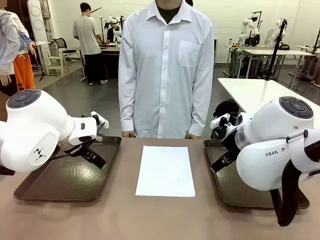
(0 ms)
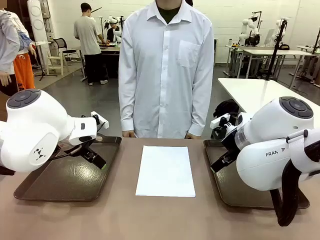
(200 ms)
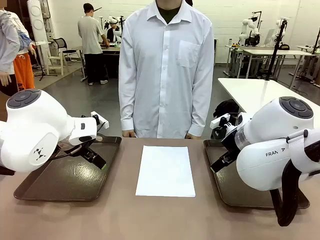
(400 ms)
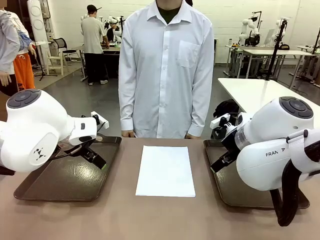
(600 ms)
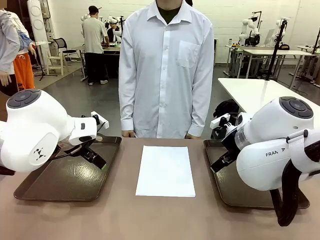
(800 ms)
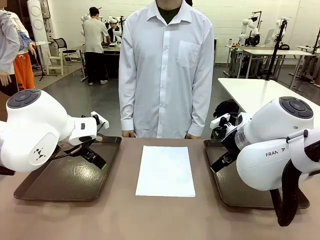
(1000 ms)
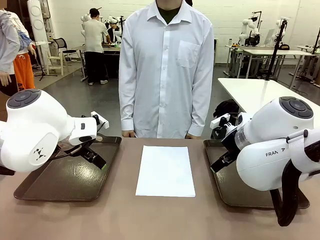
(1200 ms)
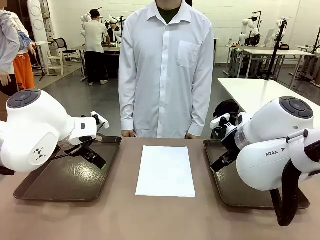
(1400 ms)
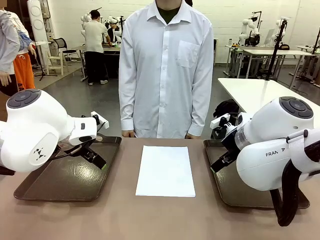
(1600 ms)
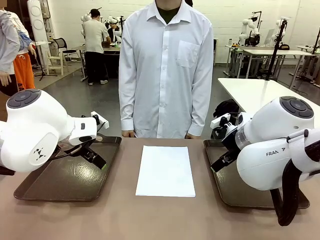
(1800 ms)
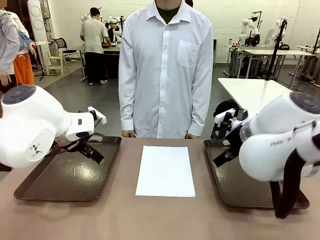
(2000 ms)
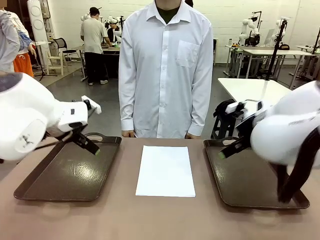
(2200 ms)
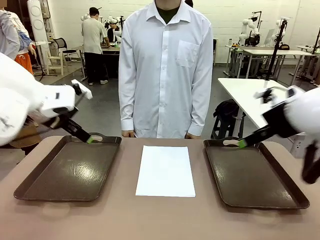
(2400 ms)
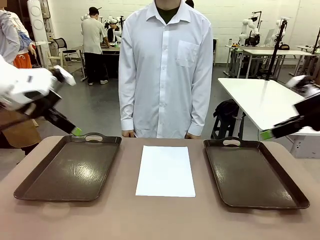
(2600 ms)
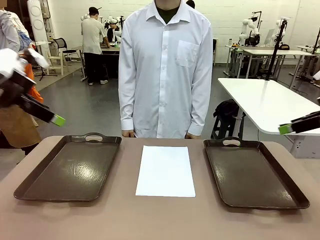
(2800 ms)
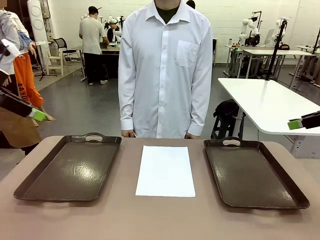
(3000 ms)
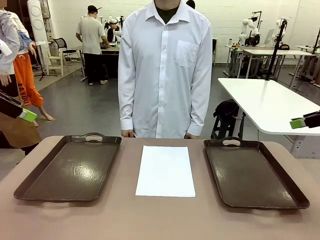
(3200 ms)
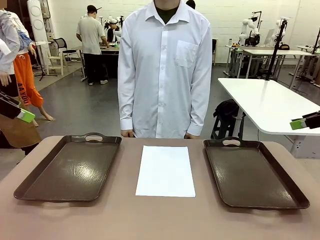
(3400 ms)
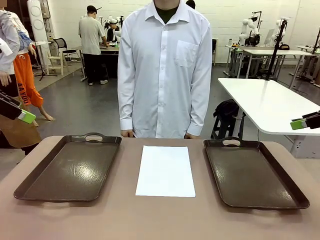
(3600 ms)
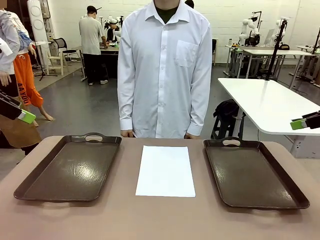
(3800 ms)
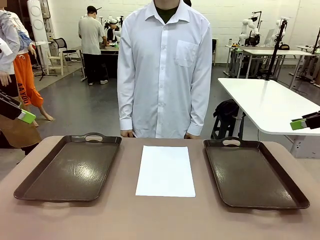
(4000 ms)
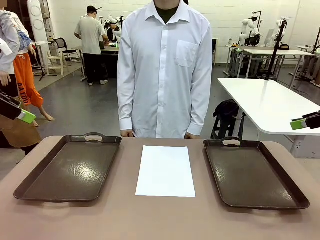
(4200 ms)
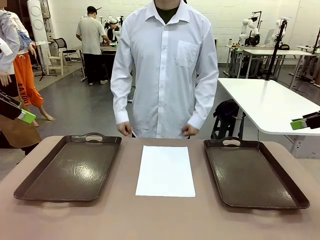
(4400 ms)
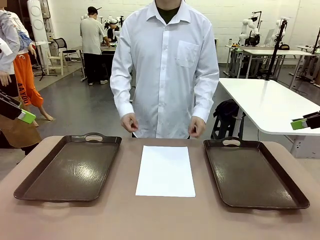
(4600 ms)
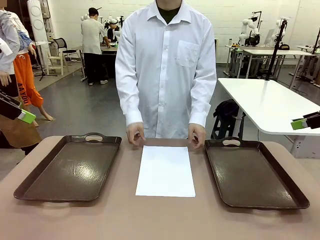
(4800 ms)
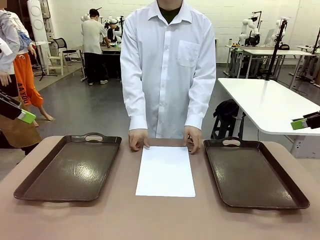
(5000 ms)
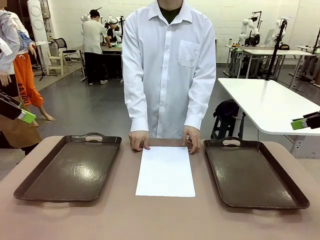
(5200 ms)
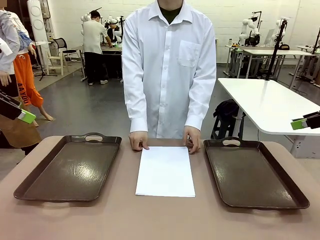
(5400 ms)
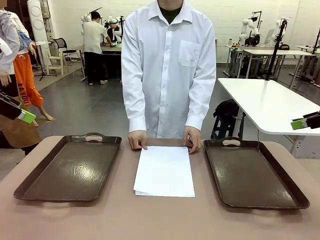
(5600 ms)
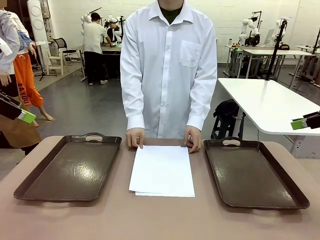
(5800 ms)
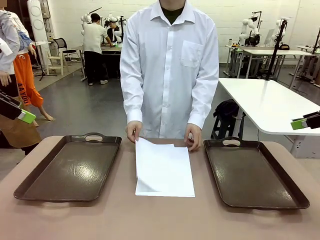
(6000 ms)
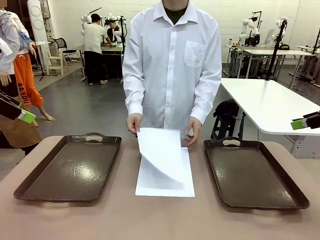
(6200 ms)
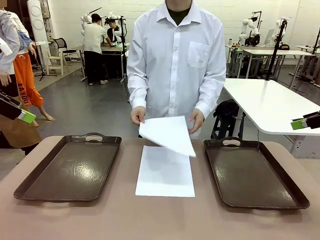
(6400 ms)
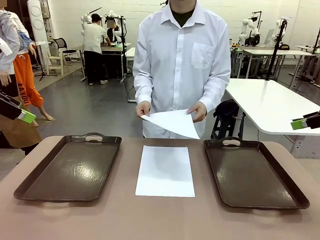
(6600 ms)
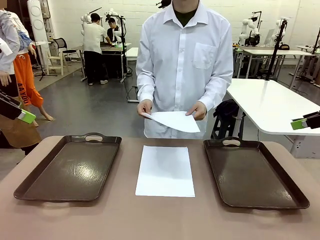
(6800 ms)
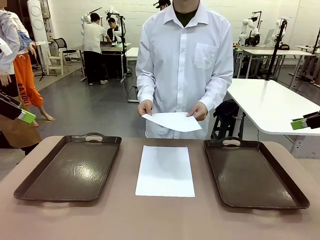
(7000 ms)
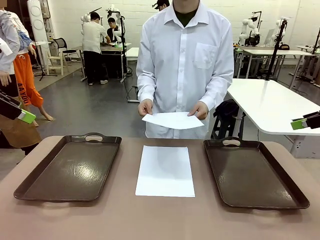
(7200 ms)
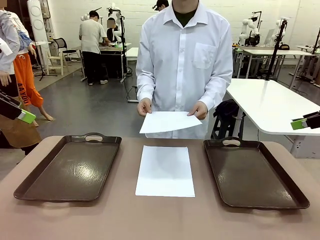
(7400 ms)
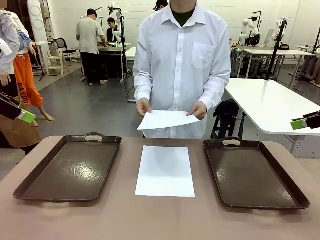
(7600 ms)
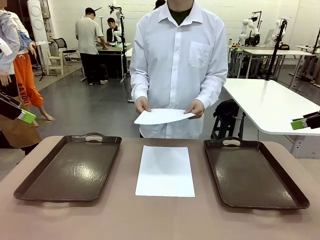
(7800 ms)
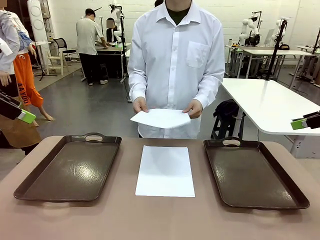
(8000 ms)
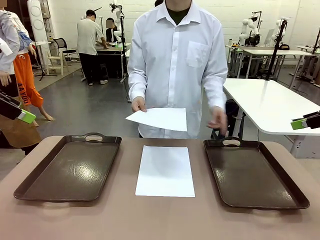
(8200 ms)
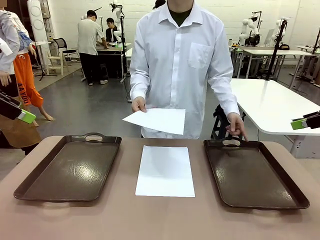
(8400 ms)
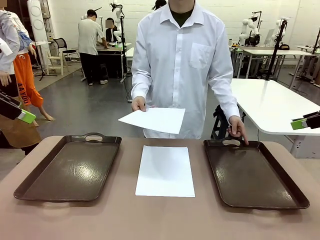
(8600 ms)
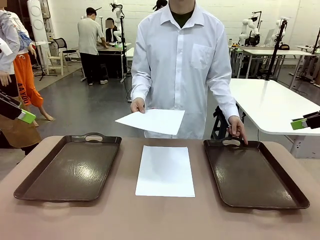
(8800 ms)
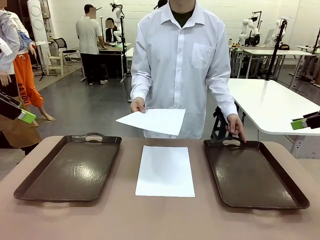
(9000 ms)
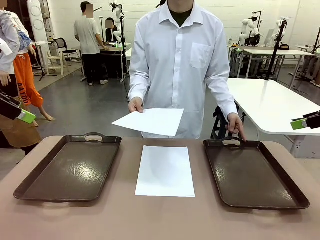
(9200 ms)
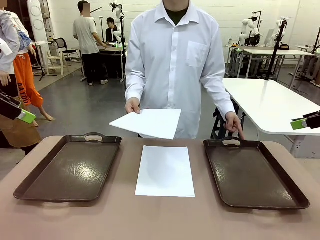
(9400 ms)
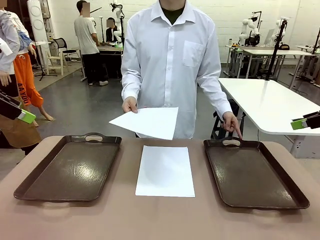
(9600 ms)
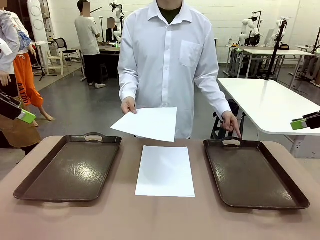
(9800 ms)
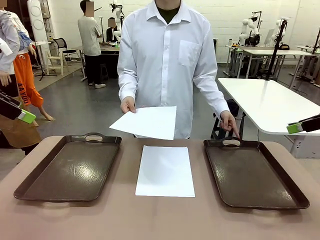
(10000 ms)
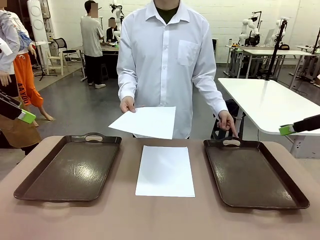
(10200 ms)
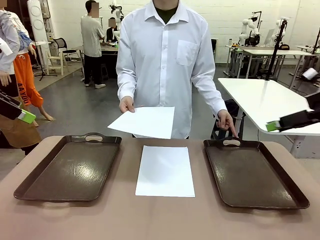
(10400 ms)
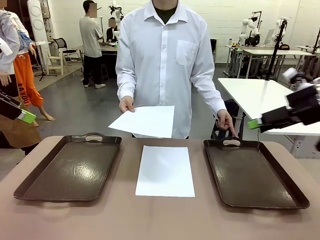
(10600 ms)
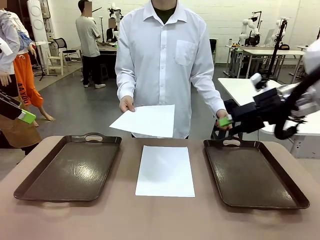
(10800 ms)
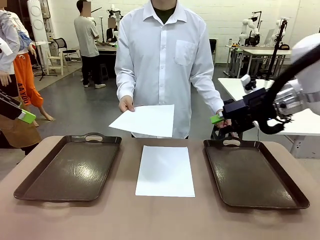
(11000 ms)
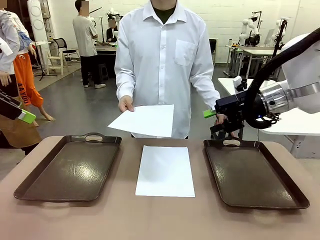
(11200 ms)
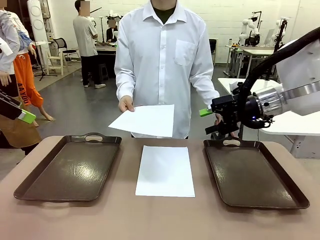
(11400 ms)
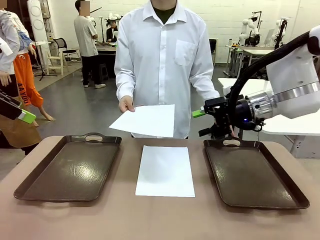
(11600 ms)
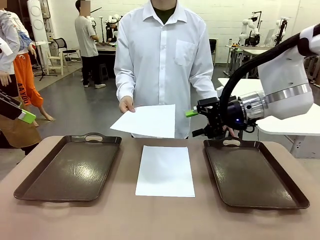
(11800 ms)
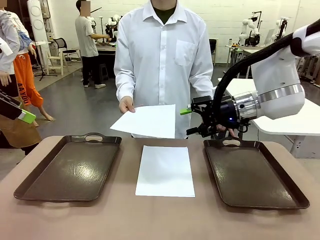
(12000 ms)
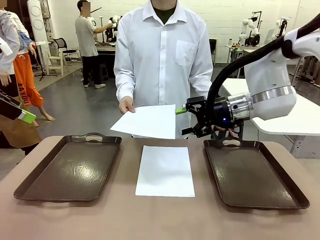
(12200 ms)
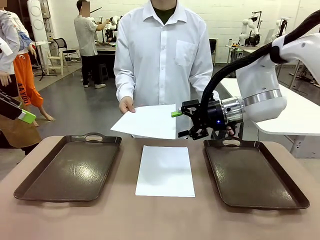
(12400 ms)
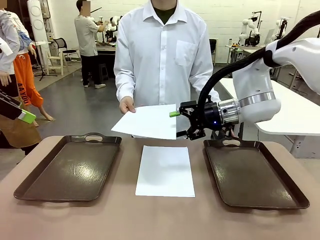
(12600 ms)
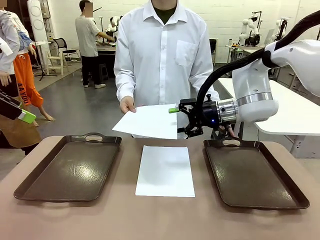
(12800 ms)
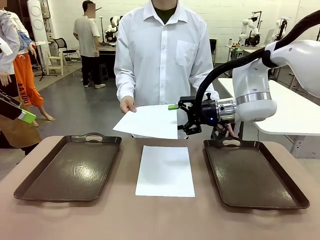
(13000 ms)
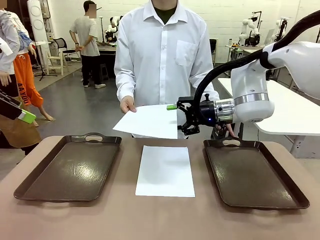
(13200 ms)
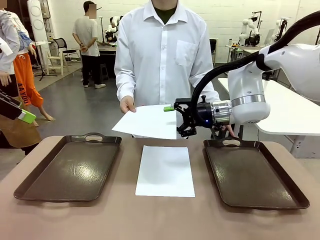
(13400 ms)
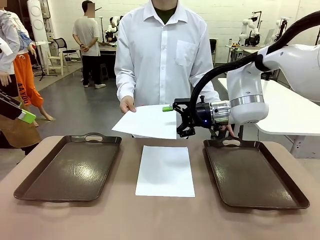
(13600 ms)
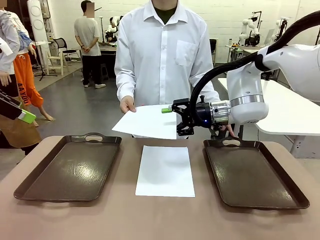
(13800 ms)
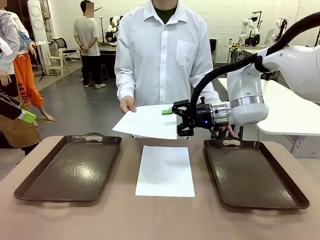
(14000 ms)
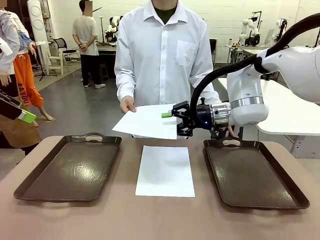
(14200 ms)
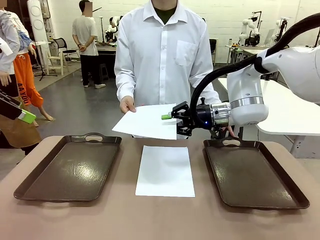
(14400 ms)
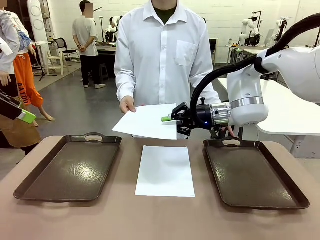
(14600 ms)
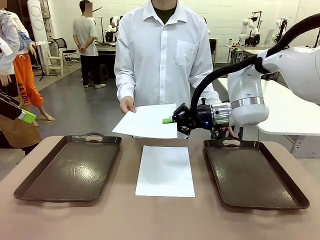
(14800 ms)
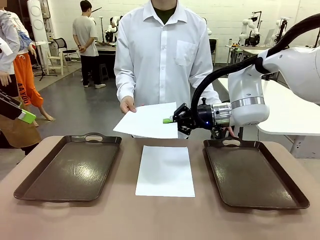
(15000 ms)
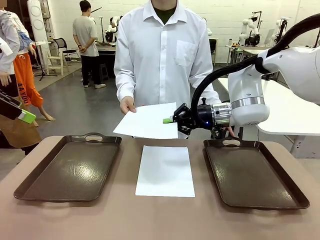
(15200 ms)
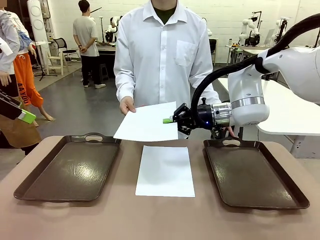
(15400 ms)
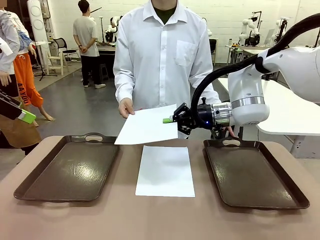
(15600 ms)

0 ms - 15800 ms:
Task: Sort the A4 documents.
Robot: Receive the A4 Paper.
Person: Pick up a sheet of paper from the center of the table and hand it to the robot. Point the randomly selected tray with the other hand.

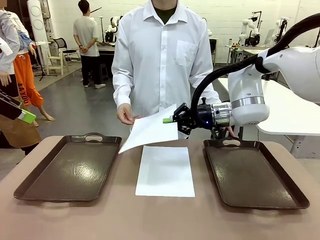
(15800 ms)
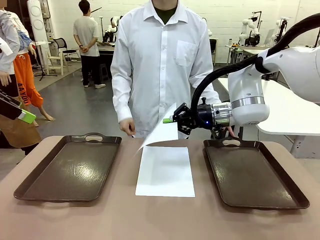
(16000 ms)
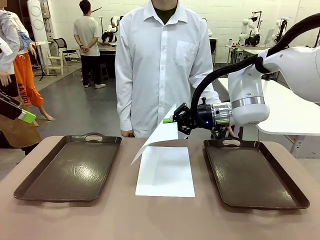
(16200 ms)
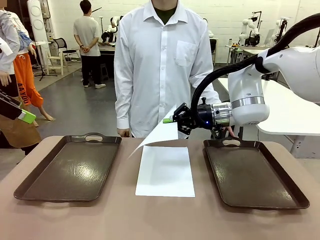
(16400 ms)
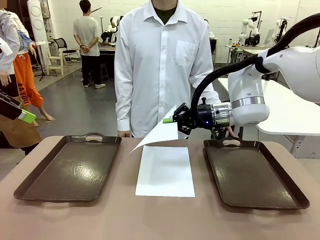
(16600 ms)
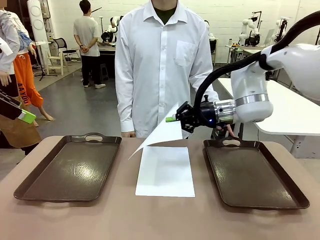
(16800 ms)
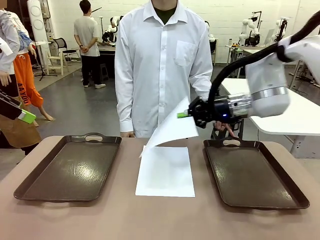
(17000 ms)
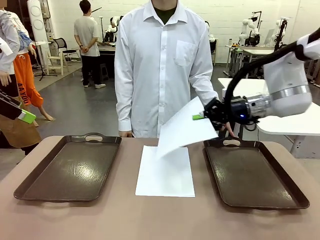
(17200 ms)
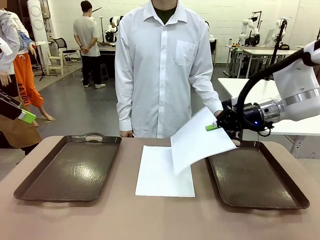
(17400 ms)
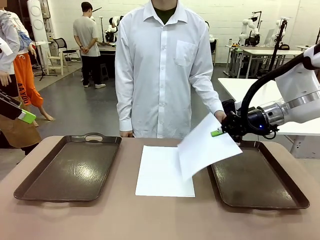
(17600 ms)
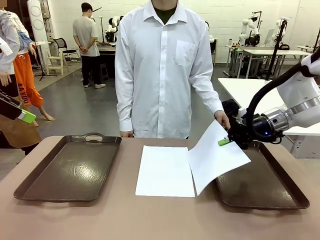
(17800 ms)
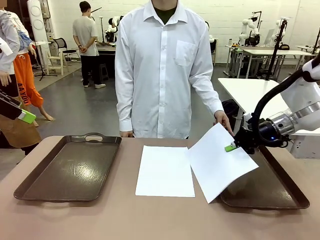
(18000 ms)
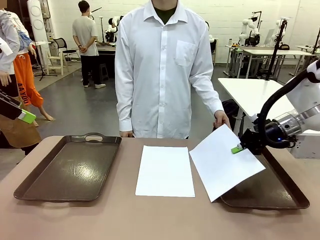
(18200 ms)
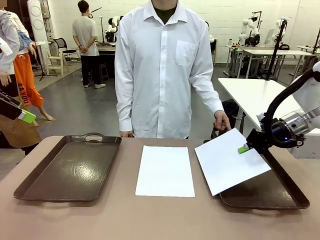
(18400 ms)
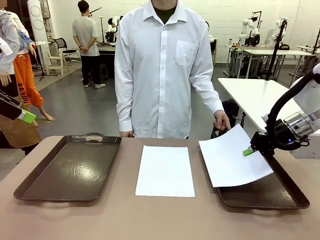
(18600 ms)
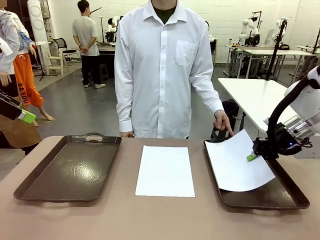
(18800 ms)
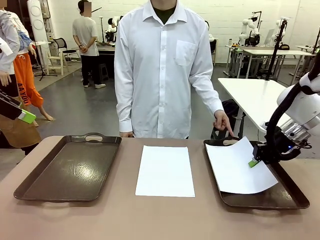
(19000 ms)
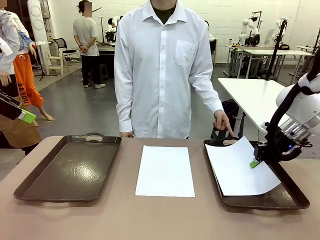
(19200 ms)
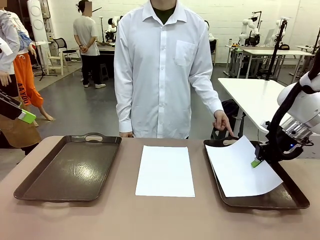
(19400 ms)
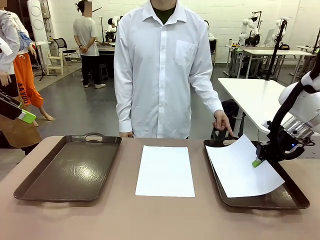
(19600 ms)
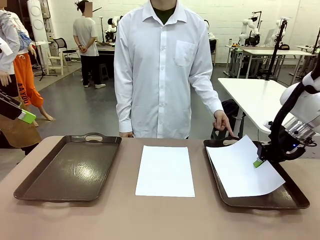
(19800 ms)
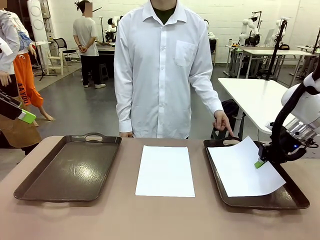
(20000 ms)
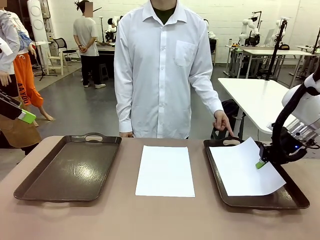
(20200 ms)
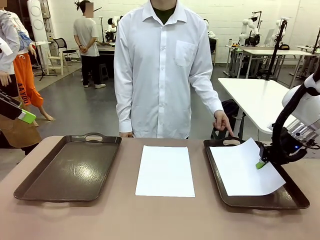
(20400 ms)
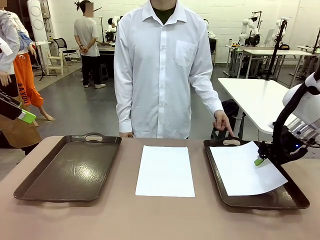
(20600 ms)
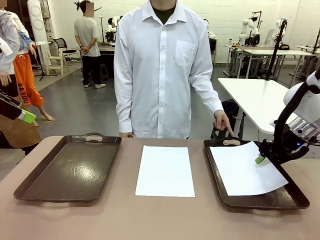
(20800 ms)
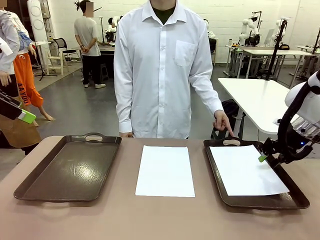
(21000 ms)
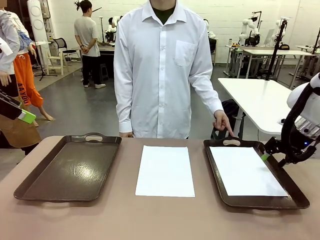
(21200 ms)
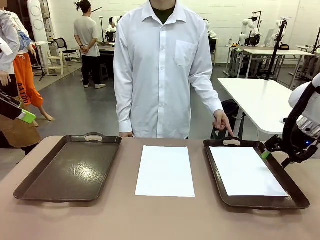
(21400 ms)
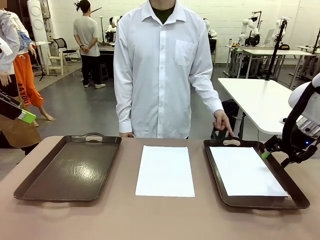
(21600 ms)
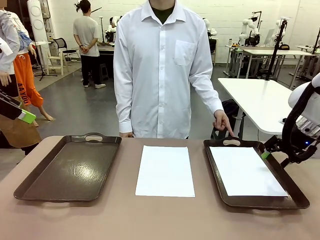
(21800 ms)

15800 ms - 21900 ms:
Robot: Place the A4 Paper in the designated Handle tray.
